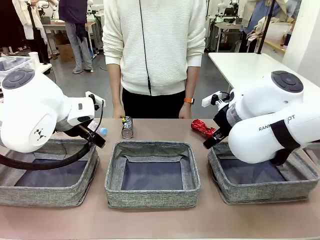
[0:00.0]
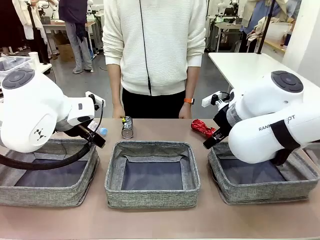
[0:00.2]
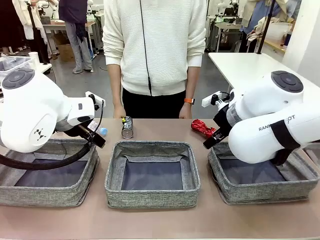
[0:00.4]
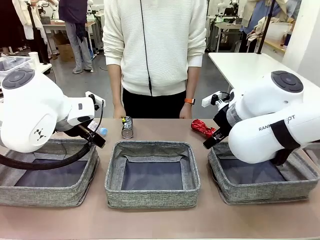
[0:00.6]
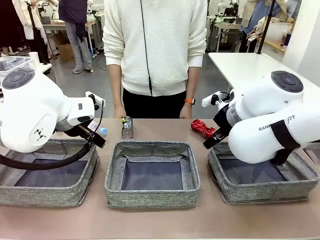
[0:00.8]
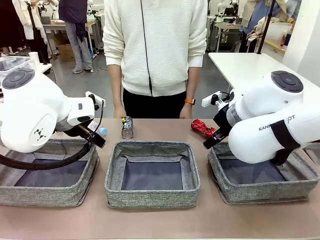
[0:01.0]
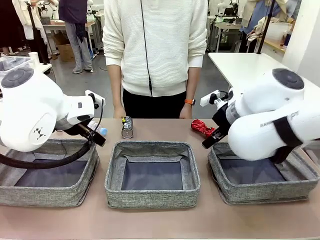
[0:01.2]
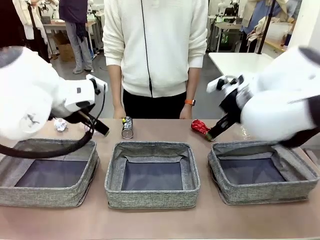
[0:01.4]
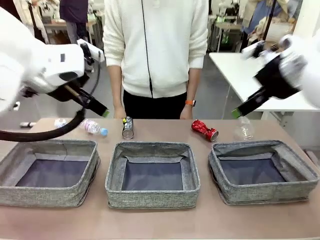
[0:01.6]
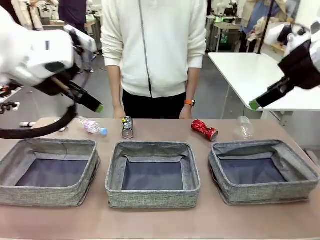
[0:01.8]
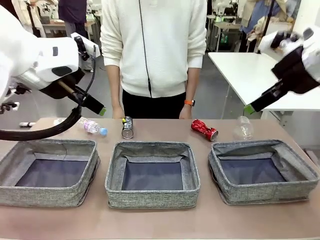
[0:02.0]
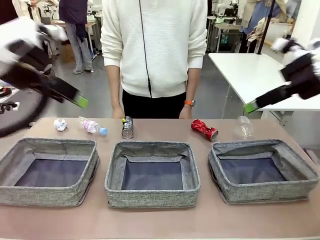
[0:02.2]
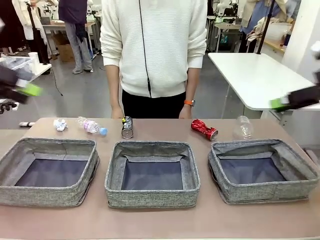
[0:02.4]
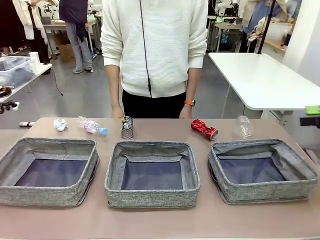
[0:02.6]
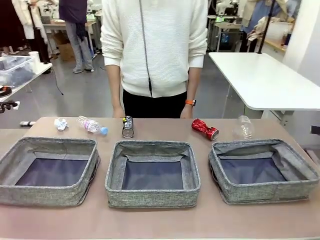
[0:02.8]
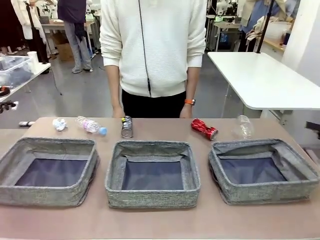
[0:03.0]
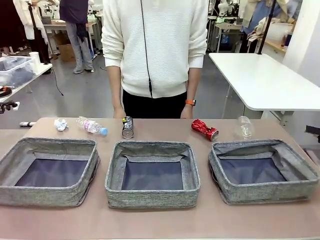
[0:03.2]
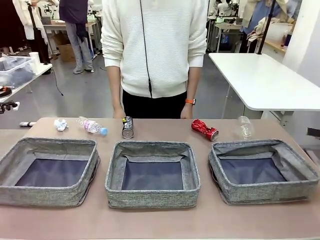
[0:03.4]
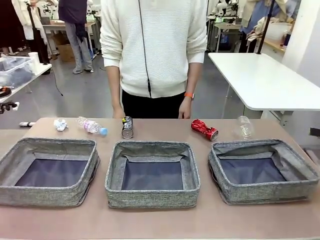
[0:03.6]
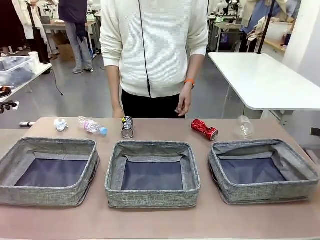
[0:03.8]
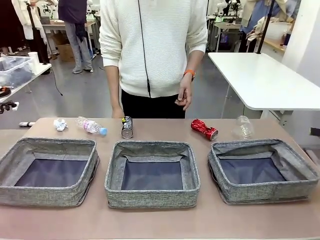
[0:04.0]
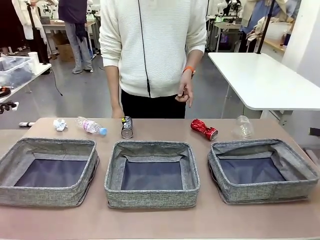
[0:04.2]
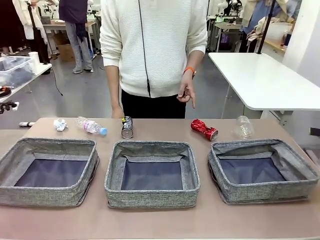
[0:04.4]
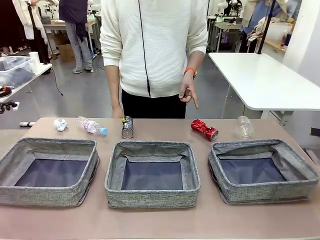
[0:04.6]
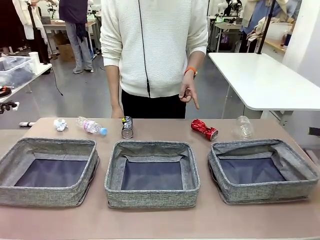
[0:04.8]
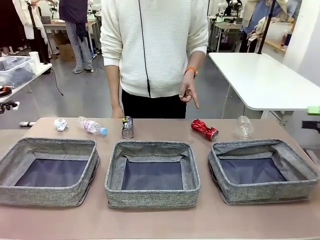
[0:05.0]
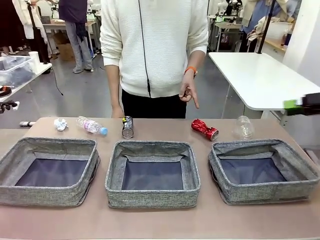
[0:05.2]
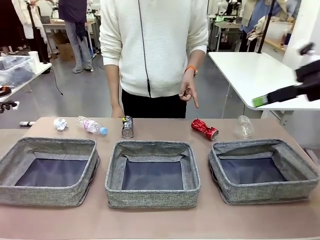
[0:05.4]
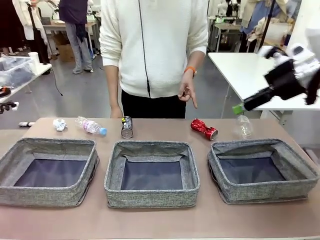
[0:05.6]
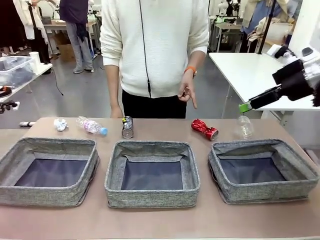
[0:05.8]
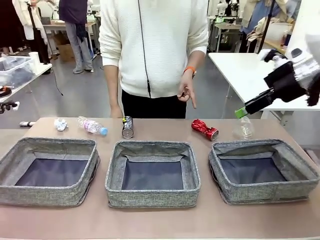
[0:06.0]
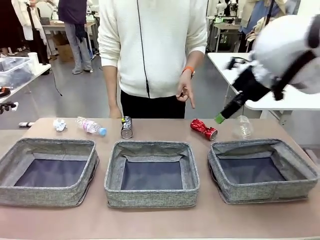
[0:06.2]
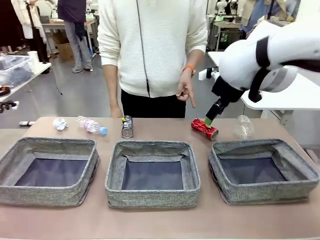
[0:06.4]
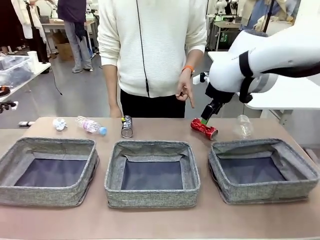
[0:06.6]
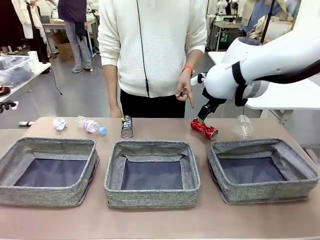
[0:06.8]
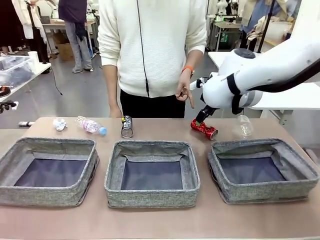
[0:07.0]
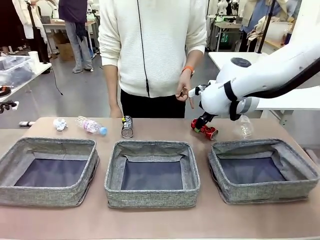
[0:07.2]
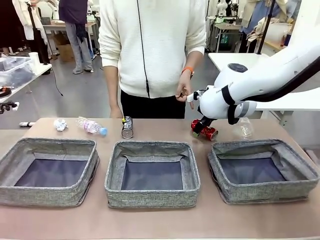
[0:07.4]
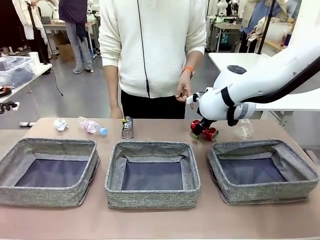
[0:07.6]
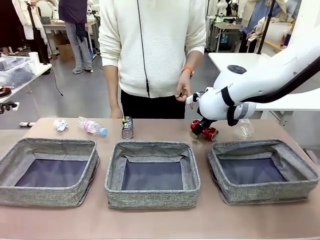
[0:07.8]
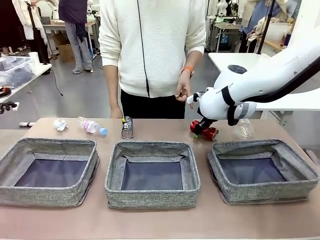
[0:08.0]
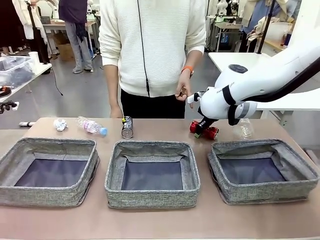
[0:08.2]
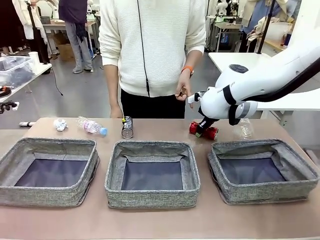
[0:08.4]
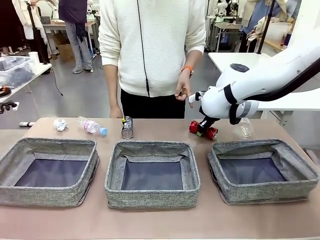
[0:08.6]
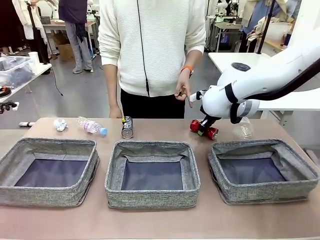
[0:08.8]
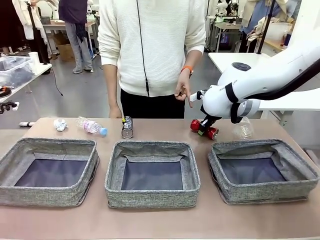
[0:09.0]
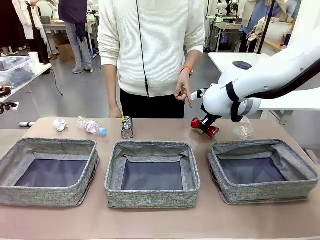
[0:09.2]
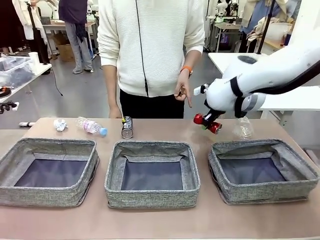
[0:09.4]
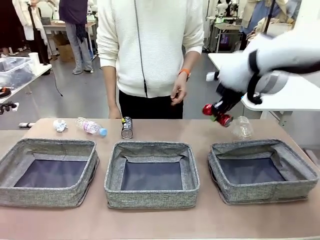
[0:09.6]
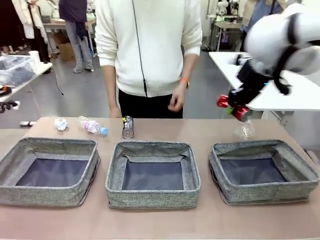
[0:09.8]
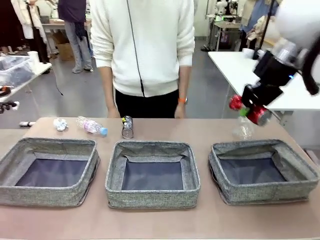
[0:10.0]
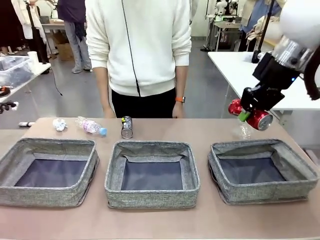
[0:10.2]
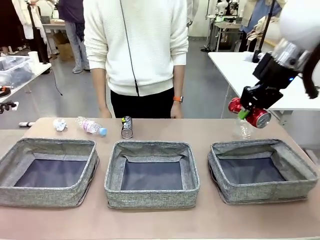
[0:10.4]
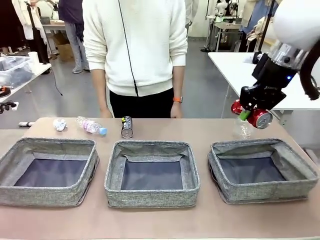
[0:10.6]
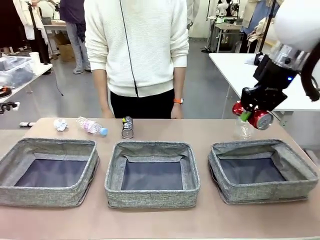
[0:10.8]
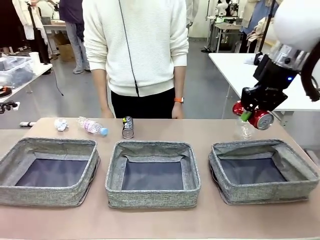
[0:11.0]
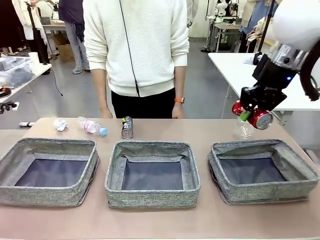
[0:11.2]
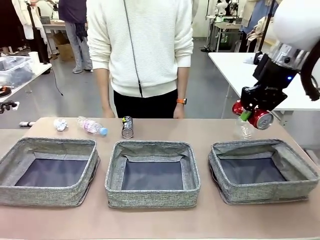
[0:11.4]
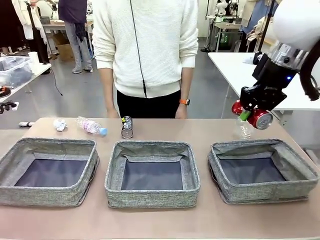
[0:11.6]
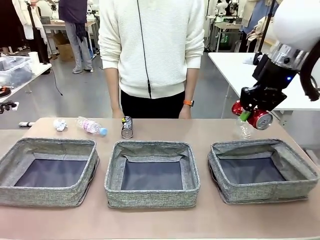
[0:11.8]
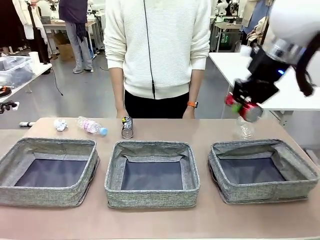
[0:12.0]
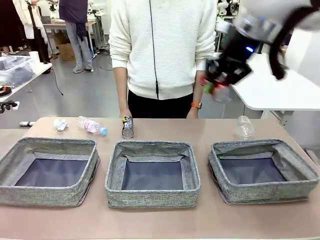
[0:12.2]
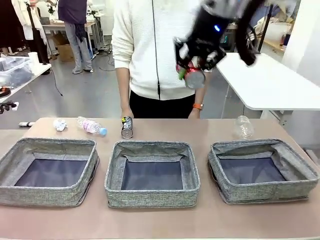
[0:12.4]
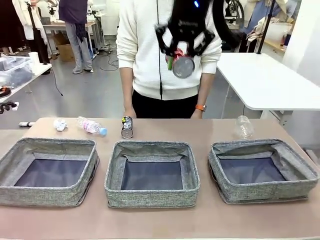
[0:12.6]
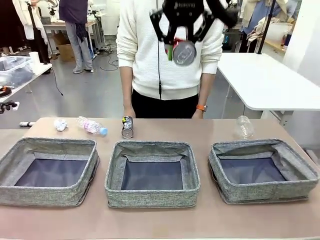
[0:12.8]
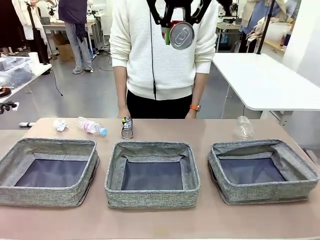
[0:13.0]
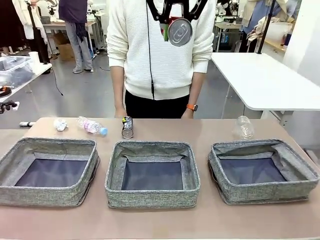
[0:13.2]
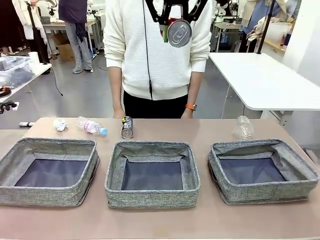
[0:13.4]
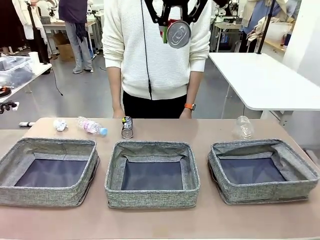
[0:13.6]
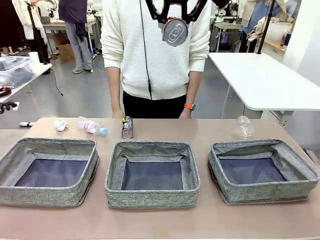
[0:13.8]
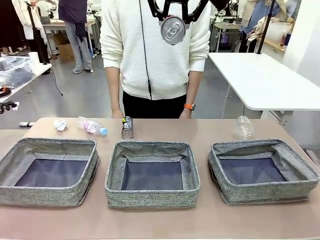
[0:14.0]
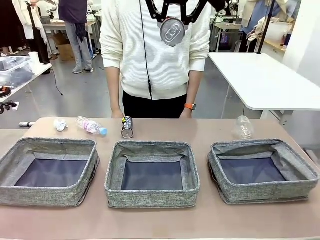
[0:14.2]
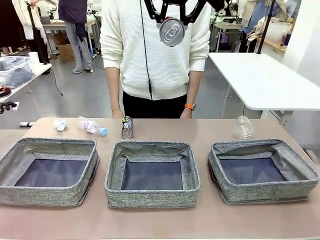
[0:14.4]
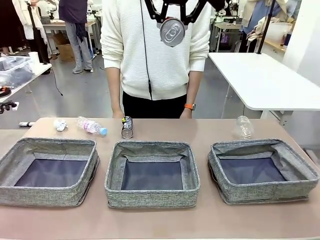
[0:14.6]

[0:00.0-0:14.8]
Task: Sort the waste into the appropriate baskets.
Robot: Pick up the waste item pointed out by the person.
Person: Points to one piece of trash on the table.

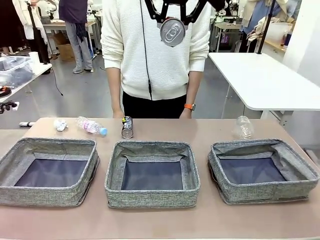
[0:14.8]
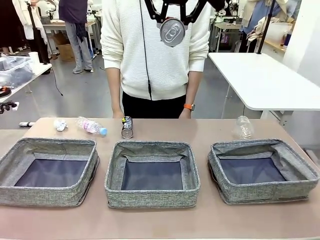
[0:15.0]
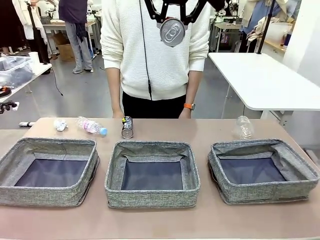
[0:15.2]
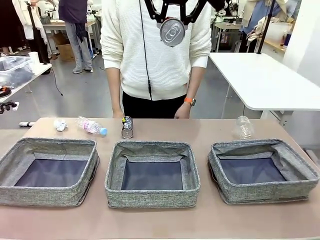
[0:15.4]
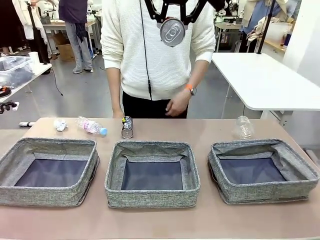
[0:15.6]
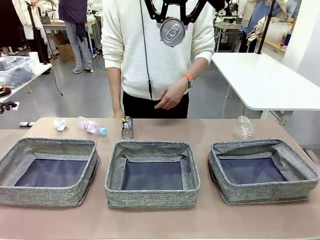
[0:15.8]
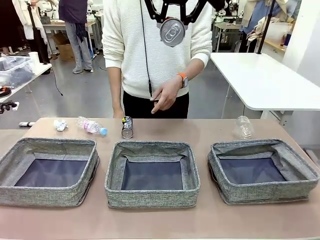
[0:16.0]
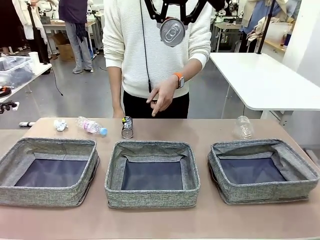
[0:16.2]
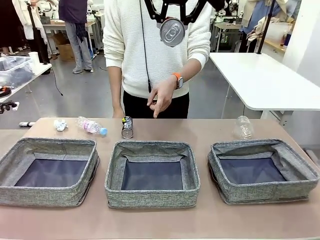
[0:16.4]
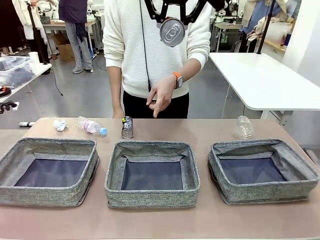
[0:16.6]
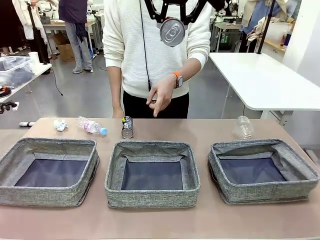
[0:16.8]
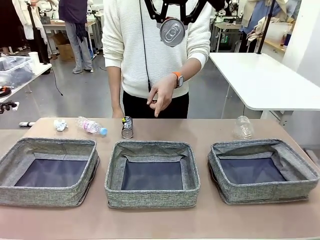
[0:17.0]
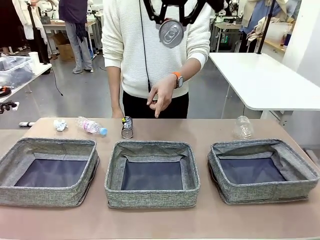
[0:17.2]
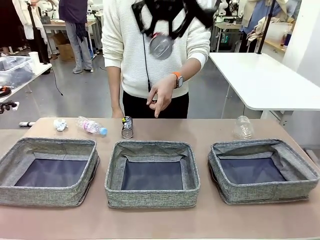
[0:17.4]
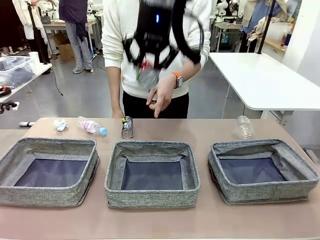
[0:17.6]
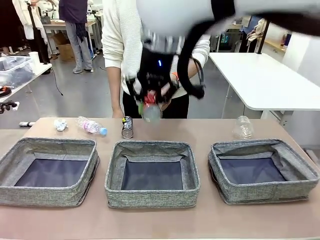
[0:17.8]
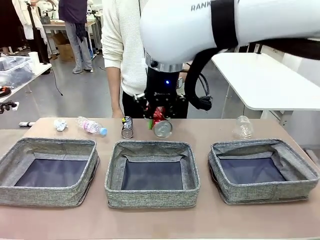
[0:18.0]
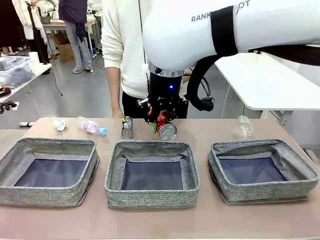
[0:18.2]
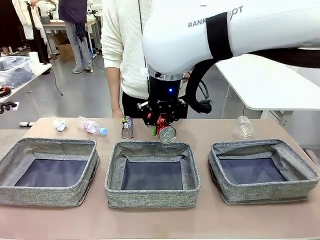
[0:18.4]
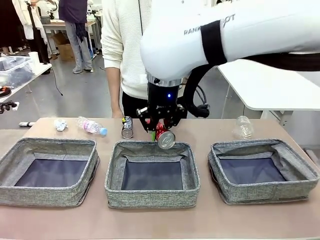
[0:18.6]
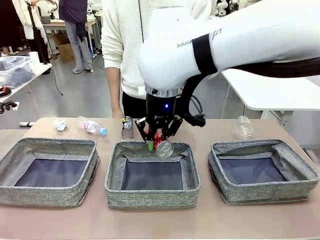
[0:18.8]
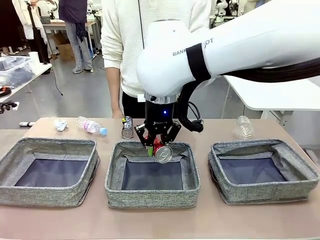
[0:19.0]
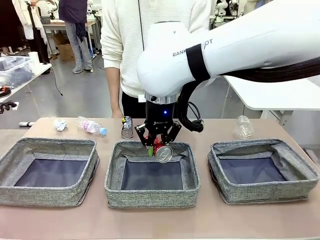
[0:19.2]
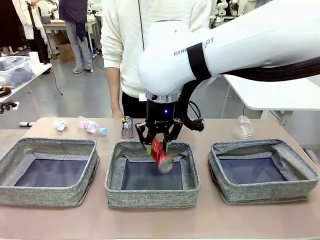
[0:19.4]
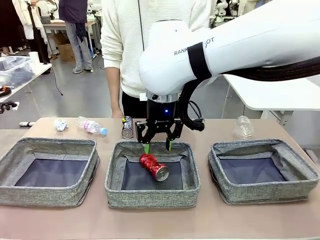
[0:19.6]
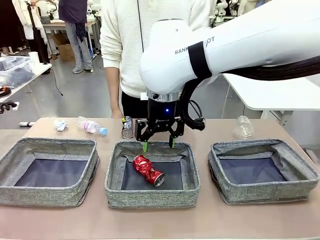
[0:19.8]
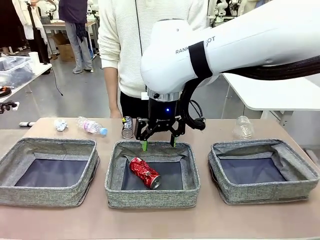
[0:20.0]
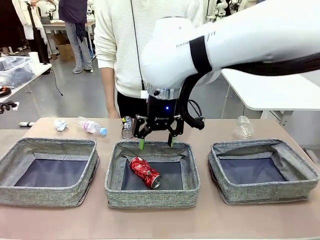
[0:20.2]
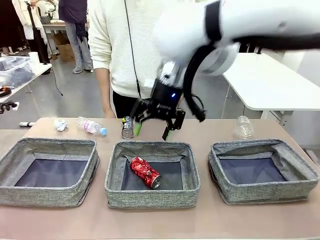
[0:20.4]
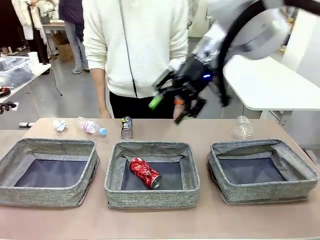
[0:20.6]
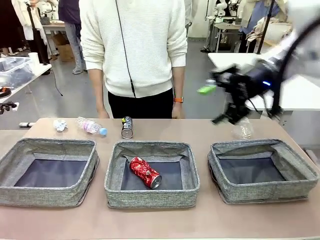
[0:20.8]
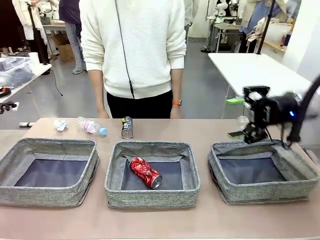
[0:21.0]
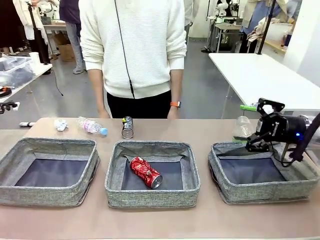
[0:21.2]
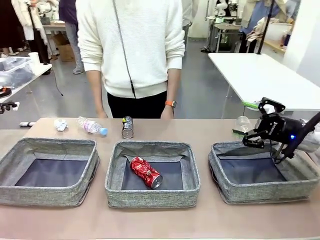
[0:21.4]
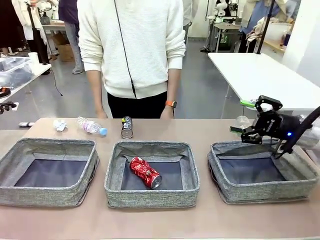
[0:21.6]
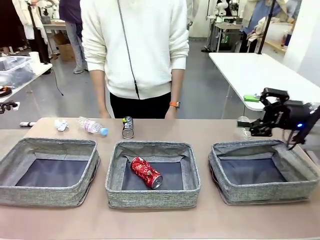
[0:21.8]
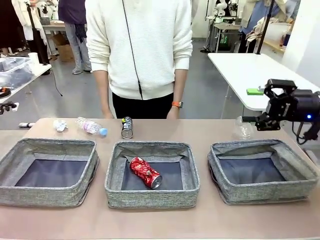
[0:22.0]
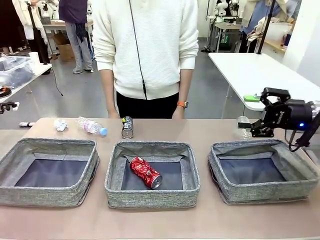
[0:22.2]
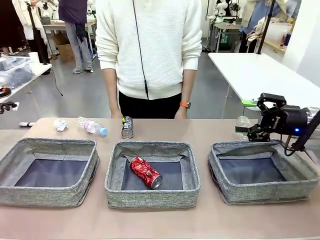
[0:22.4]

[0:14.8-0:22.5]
Robot: Place the picked waste into the Fabric basket indicated by the person.
Person: Instructs the robot to place the picked-up trash into the appropriate organizing basket.
